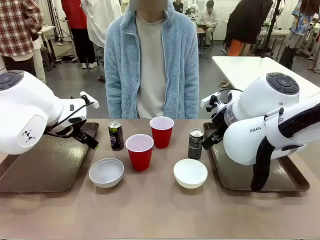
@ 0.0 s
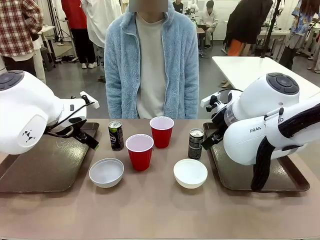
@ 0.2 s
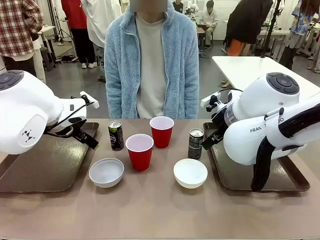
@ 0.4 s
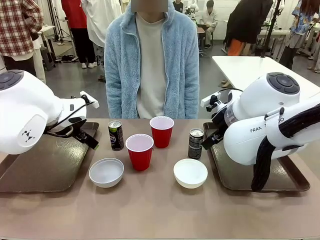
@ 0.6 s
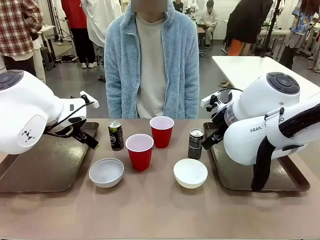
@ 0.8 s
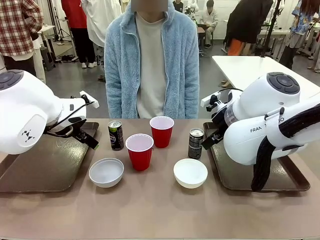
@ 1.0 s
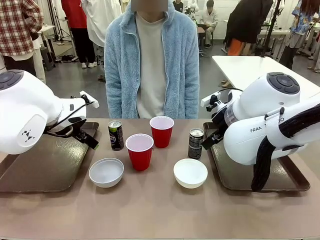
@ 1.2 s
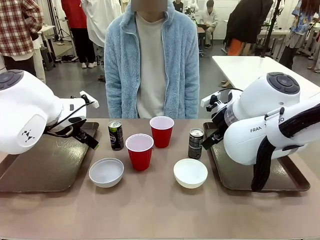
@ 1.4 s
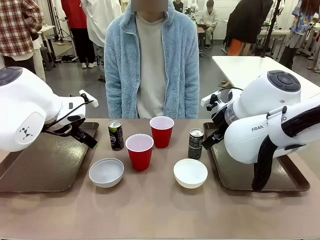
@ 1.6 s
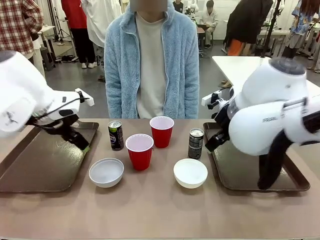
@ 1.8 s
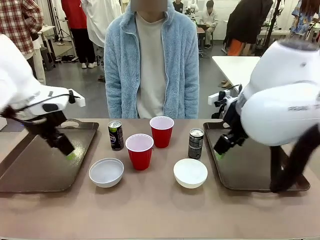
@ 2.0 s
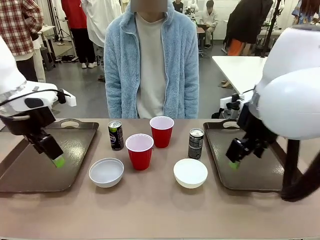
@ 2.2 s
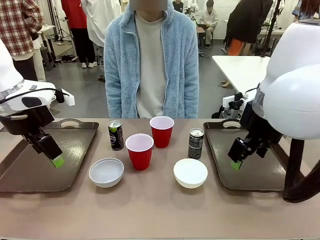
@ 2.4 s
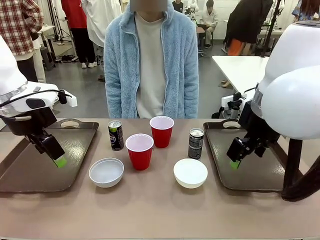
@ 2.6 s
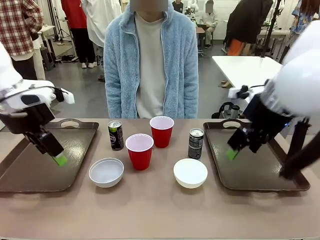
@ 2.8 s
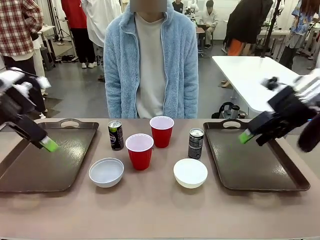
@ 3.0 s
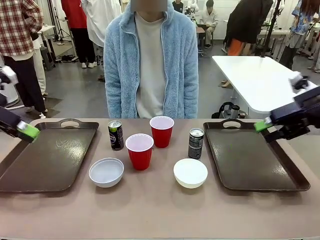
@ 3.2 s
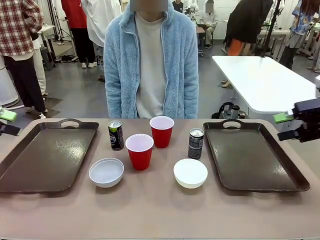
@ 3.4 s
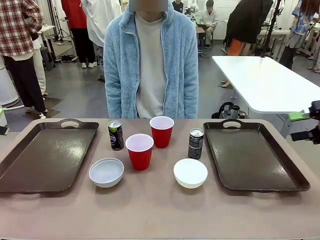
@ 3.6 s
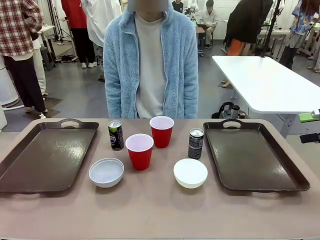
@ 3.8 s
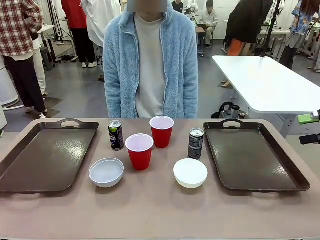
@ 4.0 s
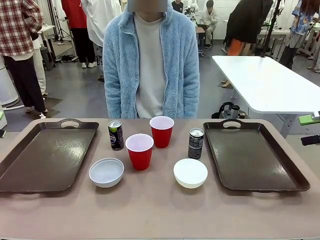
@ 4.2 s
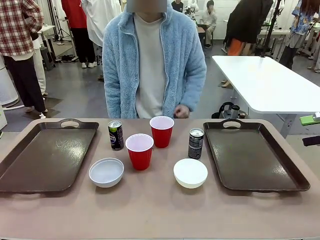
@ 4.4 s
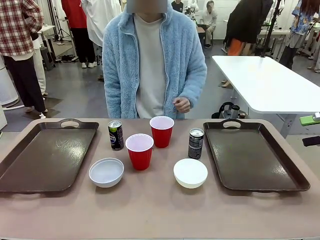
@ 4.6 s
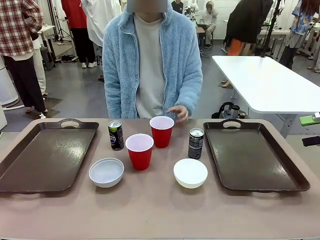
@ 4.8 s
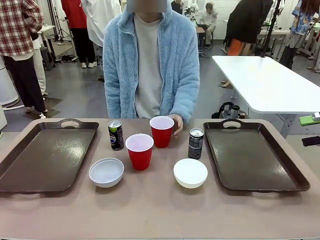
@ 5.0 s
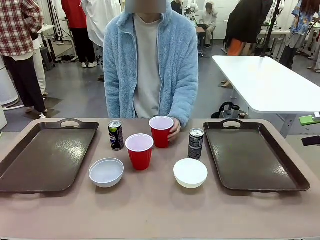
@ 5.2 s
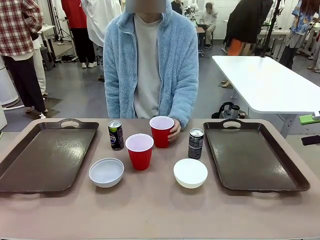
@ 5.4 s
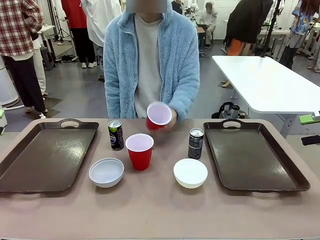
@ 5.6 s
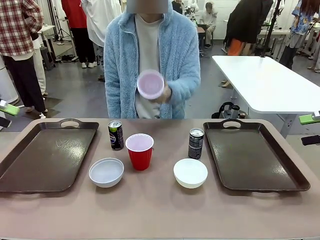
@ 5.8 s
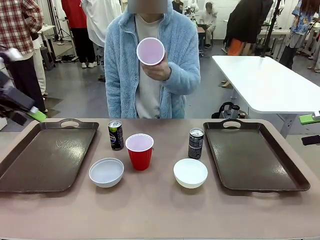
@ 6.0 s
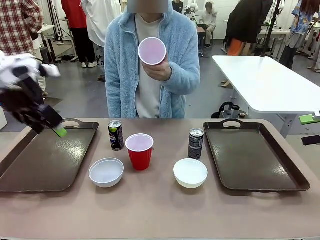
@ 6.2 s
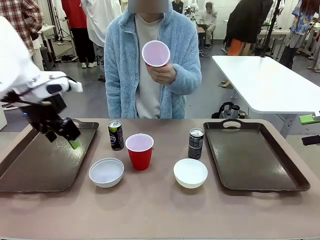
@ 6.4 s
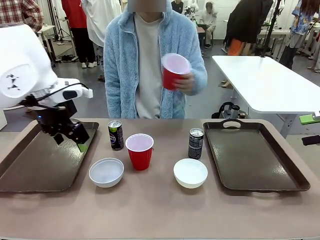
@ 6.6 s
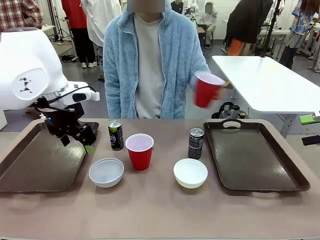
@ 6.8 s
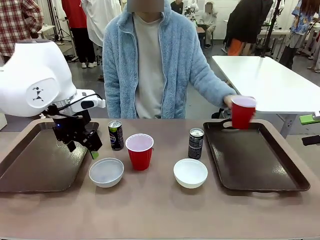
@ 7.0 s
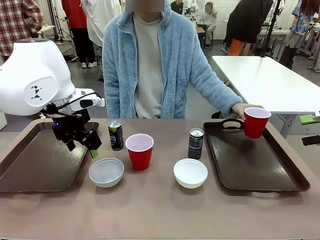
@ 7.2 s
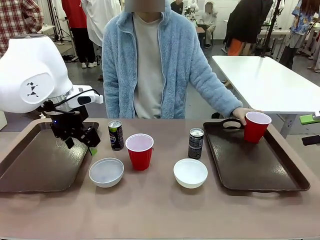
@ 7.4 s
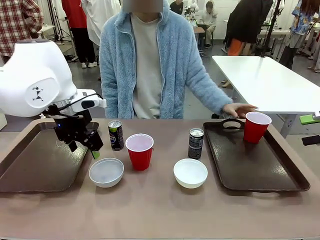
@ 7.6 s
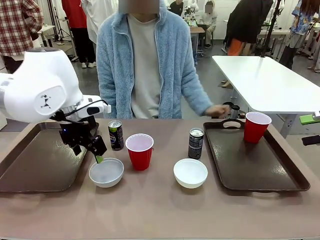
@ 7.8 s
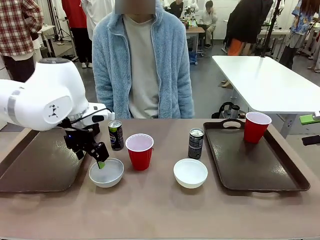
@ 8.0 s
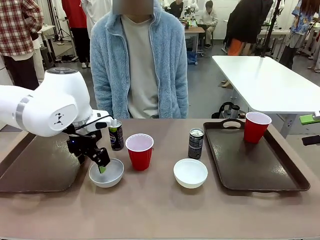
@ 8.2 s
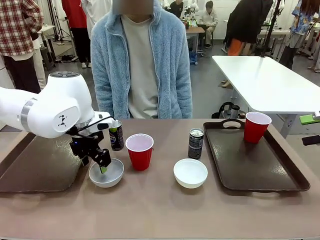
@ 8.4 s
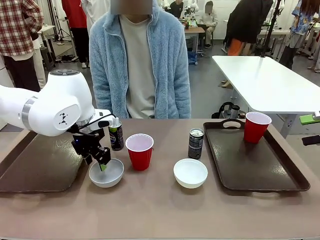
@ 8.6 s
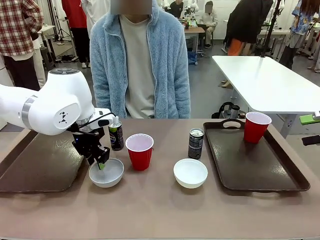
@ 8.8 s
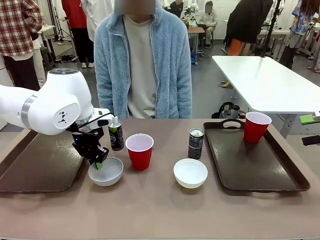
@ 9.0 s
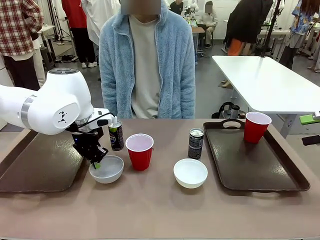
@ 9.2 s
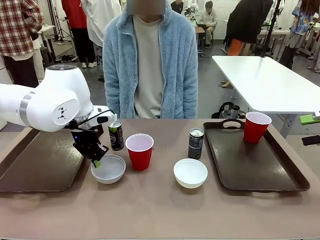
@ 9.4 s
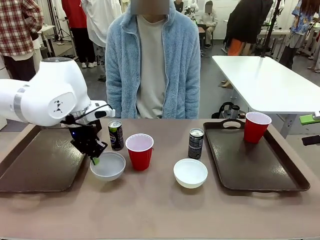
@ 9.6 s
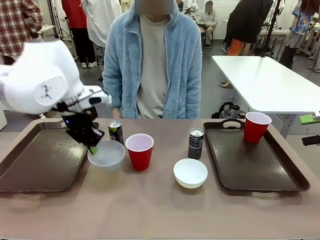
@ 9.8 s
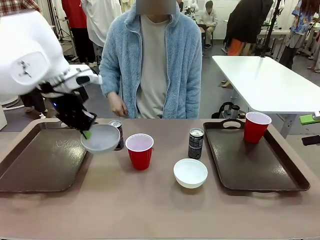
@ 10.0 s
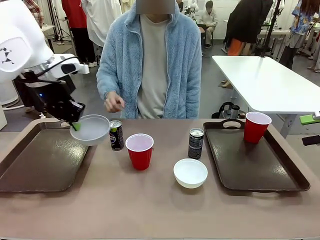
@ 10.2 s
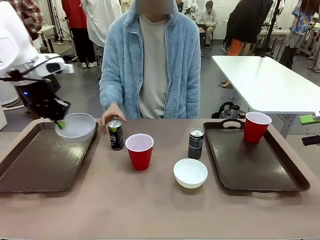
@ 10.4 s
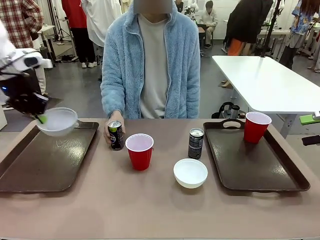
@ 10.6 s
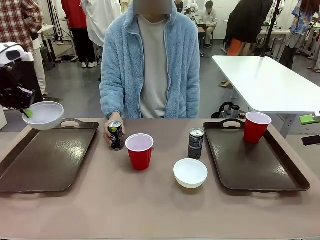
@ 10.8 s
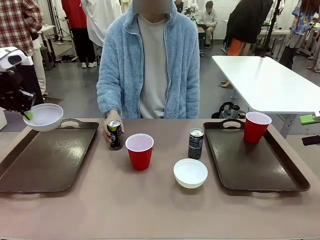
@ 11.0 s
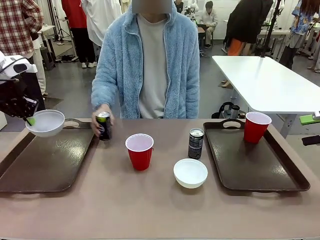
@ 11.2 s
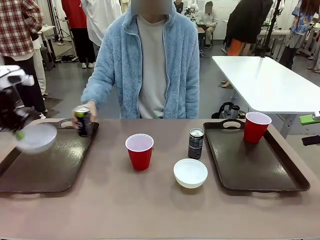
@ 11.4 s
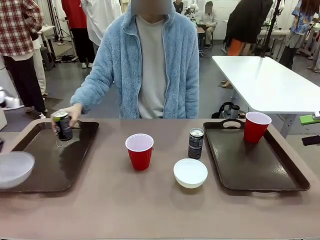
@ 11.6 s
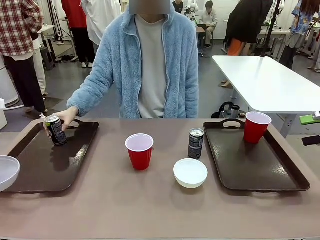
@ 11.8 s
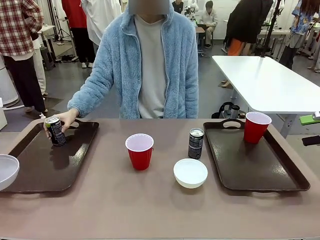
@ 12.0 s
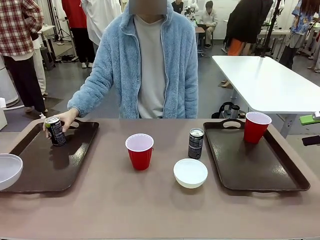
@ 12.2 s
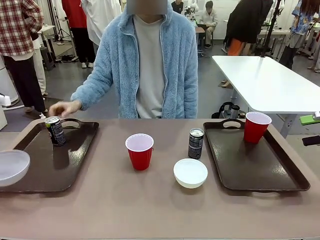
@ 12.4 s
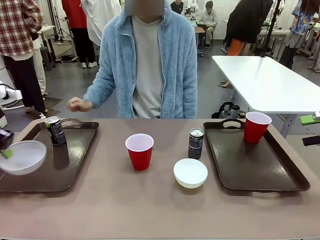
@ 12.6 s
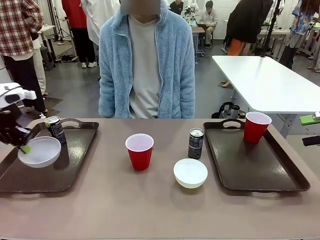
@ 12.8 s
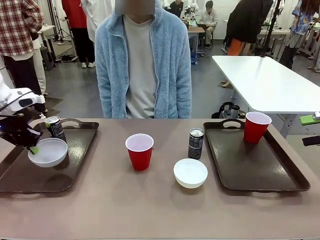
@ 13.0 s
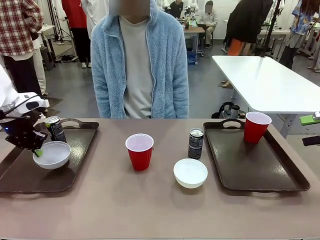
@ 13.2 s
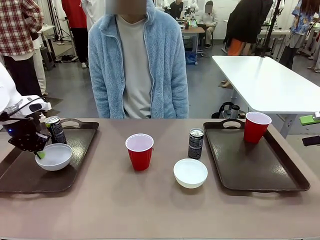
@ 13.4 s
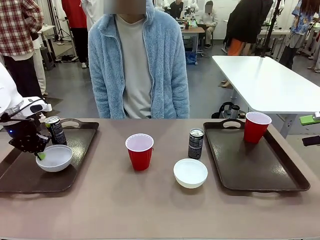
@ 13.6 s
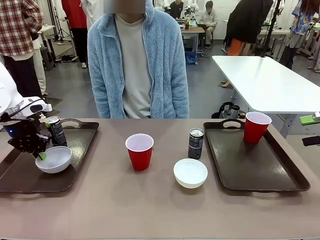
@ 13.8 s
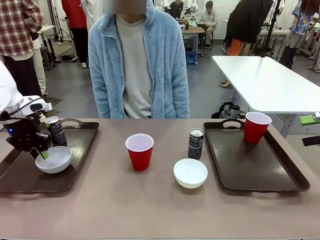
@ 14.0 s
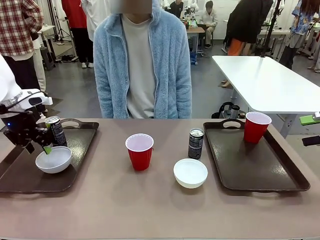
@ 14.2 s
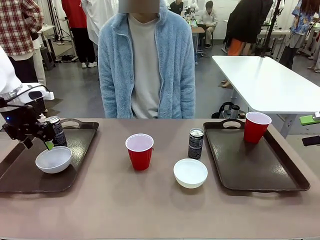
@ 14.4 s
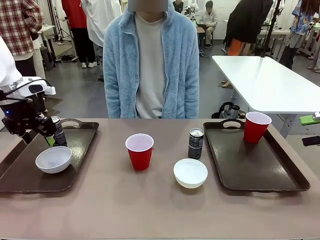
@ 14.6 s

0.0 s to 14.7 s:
Task: Prepare tableware on both trays.
Robot: Pick up a Picnic Bowl from the table and place it on a Handle tray.
Person: Pick up a can or cup and place it on the tray.
